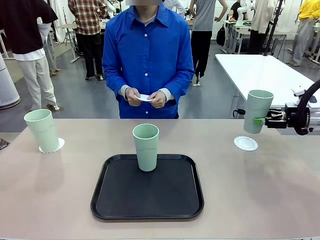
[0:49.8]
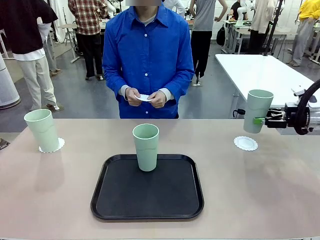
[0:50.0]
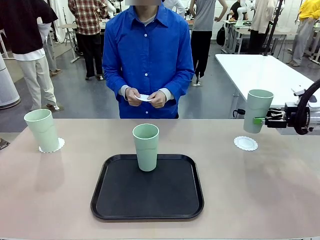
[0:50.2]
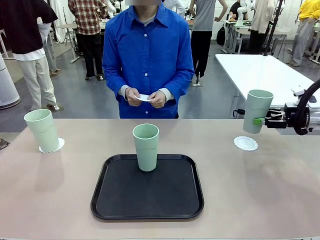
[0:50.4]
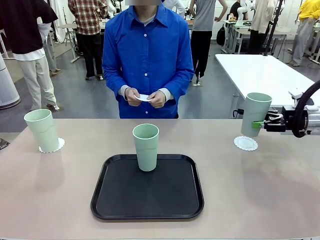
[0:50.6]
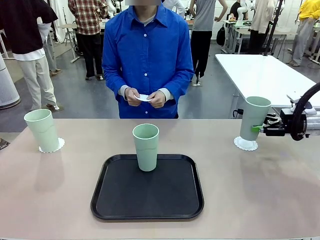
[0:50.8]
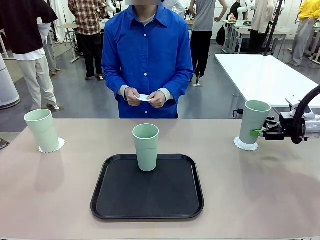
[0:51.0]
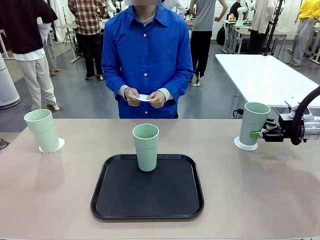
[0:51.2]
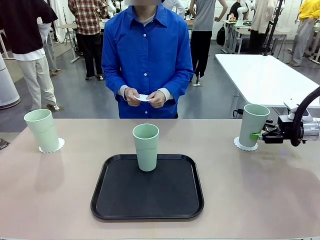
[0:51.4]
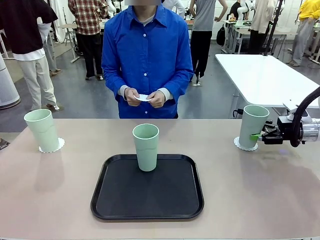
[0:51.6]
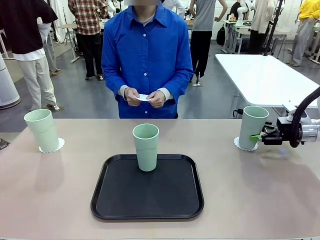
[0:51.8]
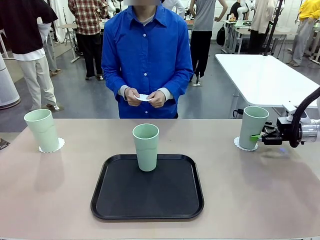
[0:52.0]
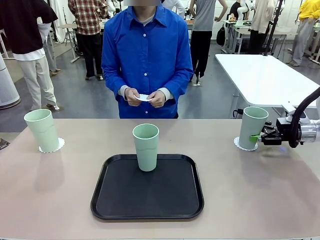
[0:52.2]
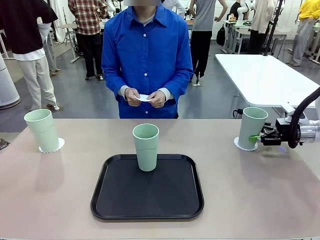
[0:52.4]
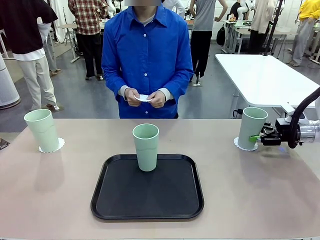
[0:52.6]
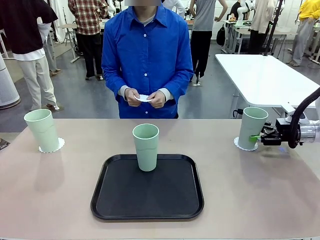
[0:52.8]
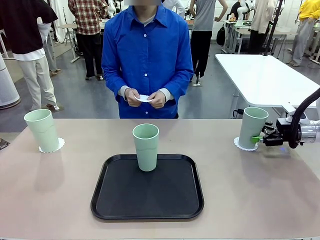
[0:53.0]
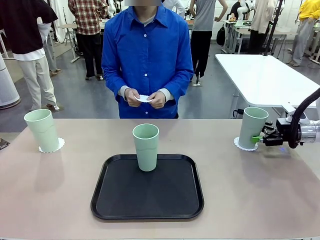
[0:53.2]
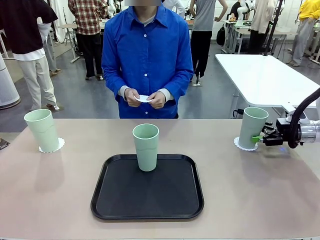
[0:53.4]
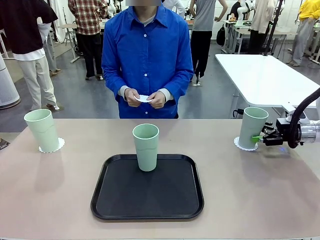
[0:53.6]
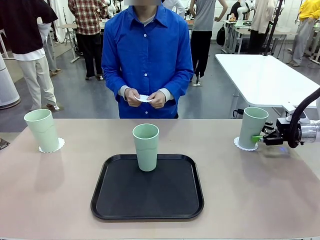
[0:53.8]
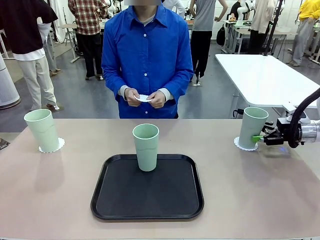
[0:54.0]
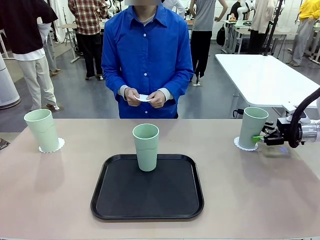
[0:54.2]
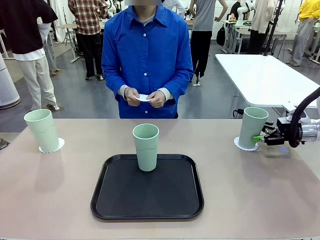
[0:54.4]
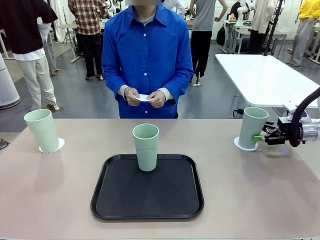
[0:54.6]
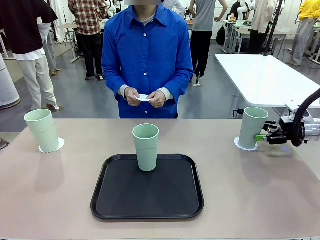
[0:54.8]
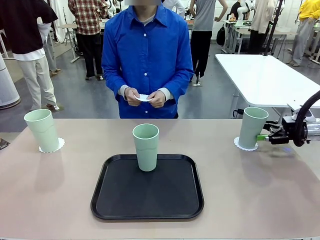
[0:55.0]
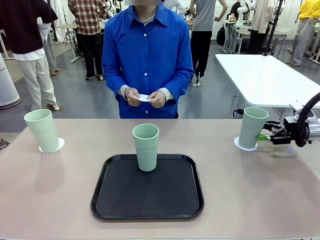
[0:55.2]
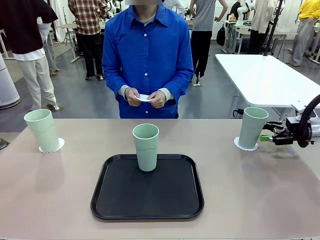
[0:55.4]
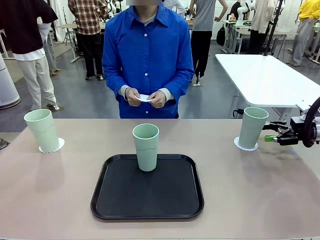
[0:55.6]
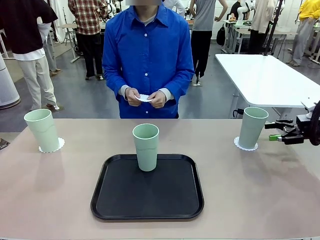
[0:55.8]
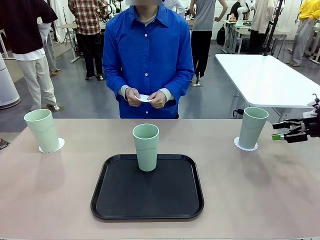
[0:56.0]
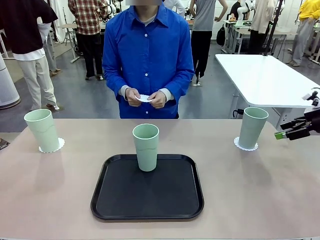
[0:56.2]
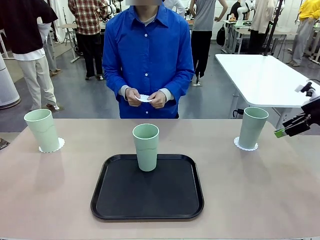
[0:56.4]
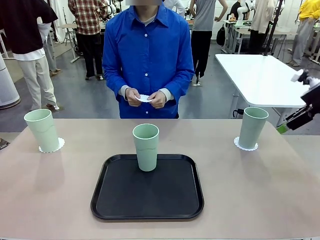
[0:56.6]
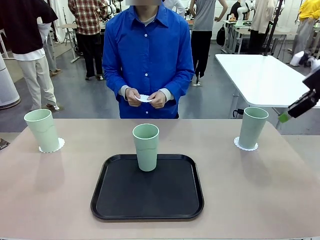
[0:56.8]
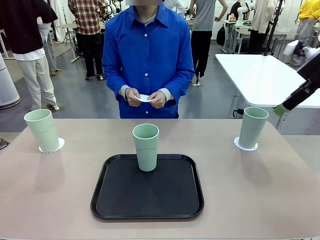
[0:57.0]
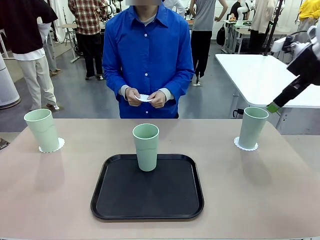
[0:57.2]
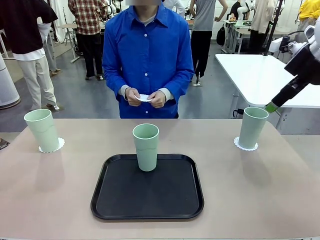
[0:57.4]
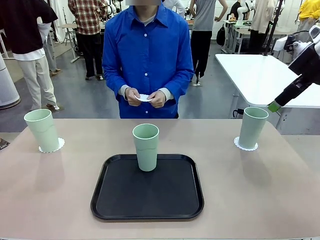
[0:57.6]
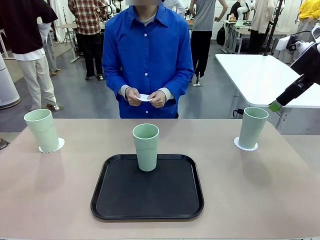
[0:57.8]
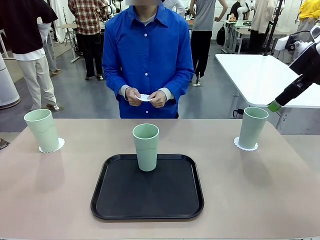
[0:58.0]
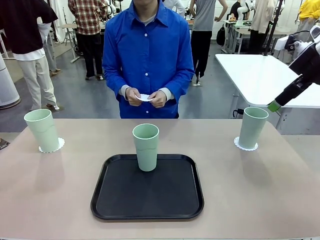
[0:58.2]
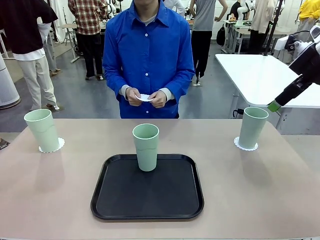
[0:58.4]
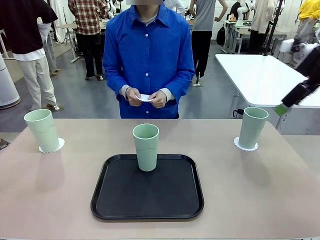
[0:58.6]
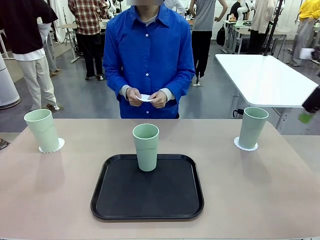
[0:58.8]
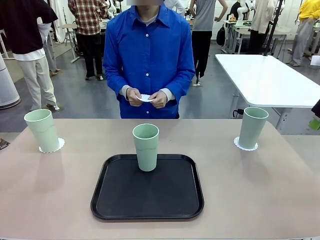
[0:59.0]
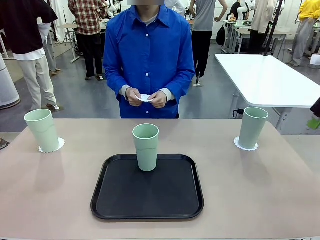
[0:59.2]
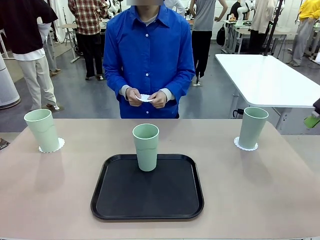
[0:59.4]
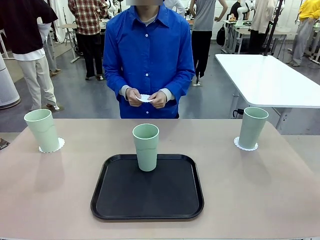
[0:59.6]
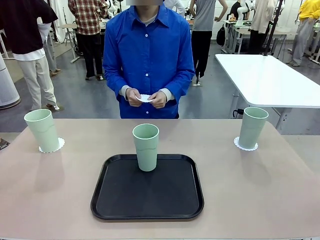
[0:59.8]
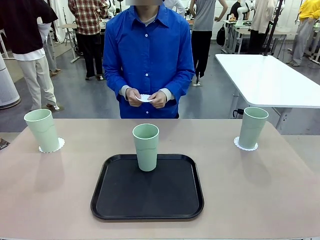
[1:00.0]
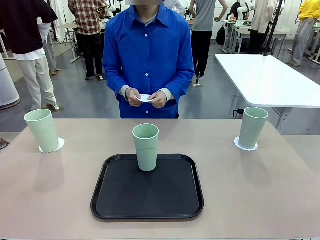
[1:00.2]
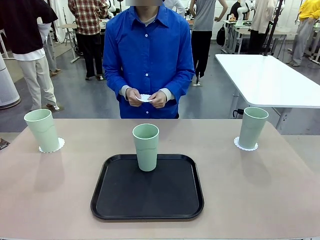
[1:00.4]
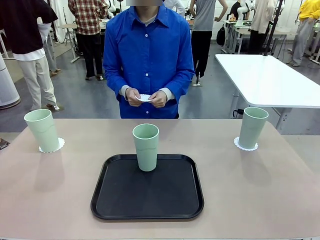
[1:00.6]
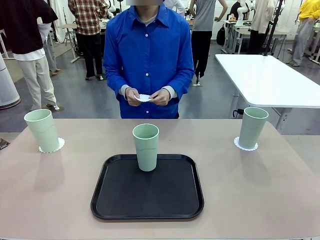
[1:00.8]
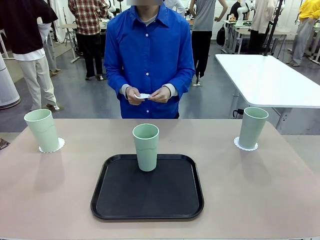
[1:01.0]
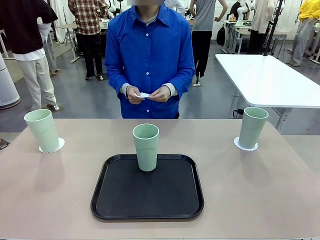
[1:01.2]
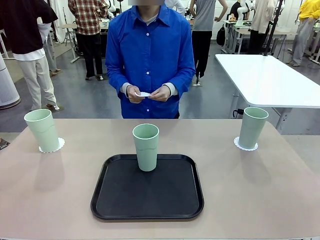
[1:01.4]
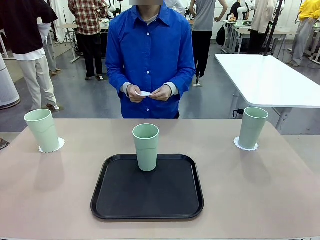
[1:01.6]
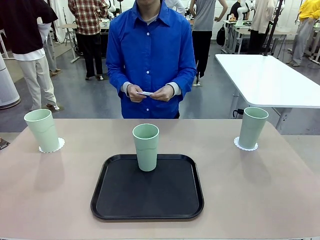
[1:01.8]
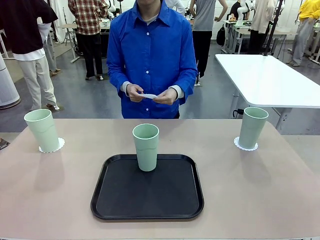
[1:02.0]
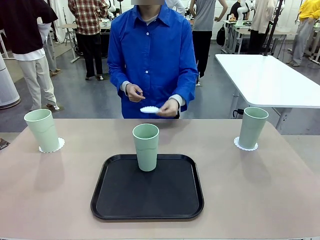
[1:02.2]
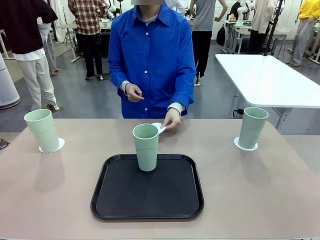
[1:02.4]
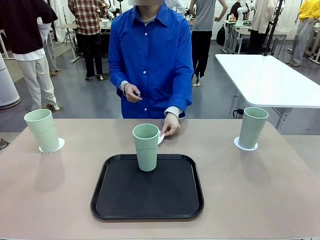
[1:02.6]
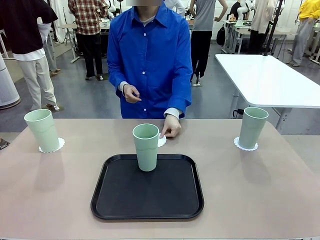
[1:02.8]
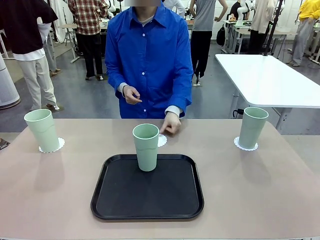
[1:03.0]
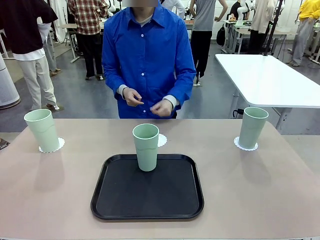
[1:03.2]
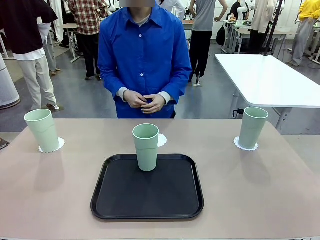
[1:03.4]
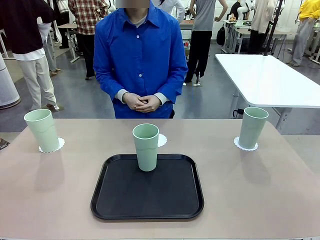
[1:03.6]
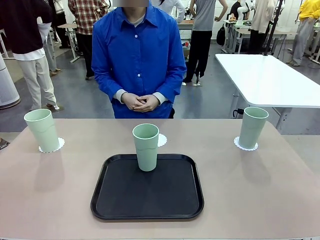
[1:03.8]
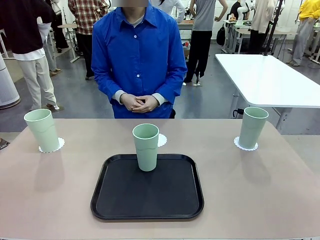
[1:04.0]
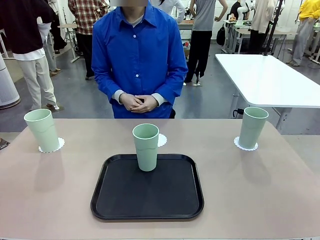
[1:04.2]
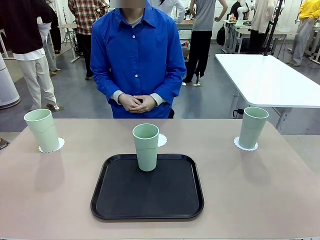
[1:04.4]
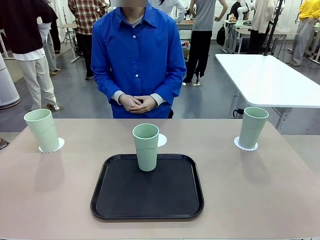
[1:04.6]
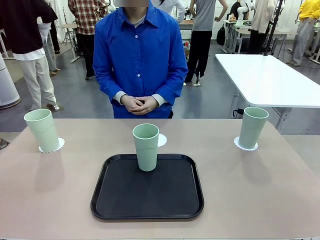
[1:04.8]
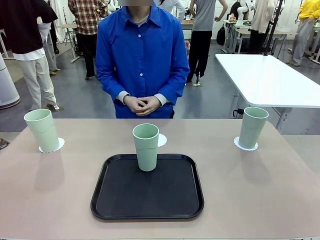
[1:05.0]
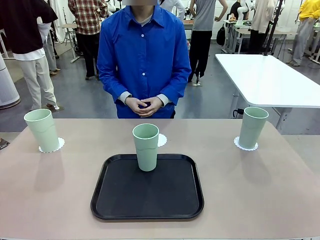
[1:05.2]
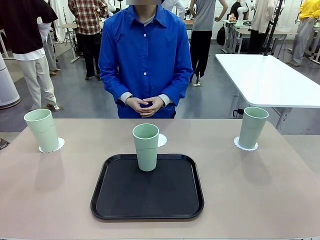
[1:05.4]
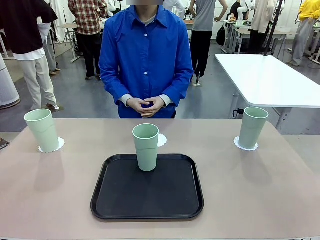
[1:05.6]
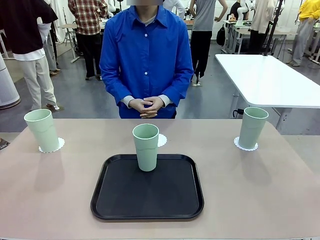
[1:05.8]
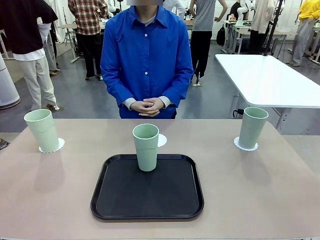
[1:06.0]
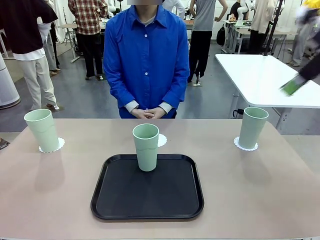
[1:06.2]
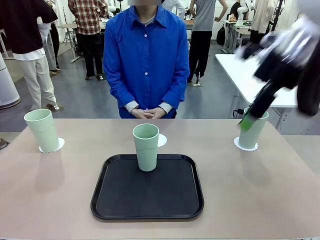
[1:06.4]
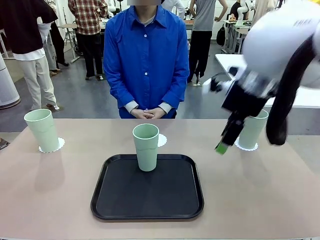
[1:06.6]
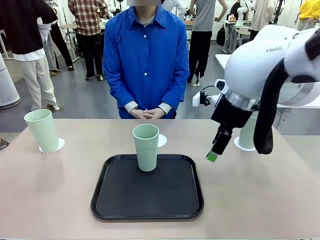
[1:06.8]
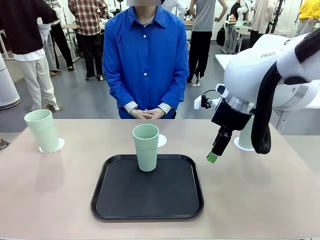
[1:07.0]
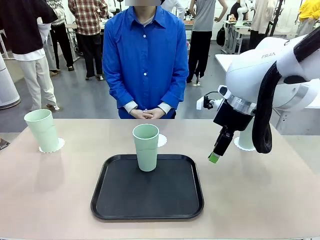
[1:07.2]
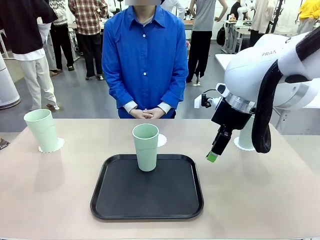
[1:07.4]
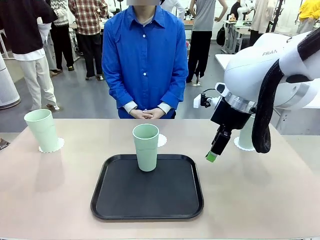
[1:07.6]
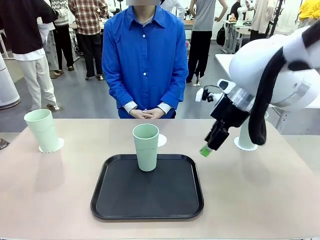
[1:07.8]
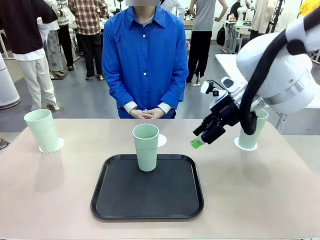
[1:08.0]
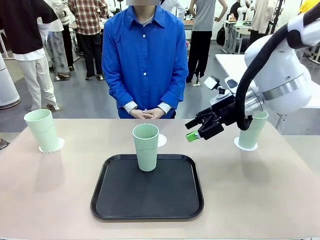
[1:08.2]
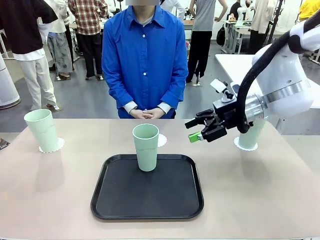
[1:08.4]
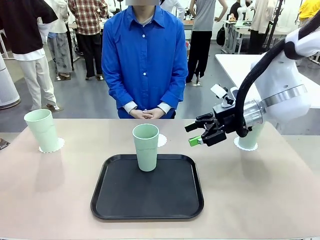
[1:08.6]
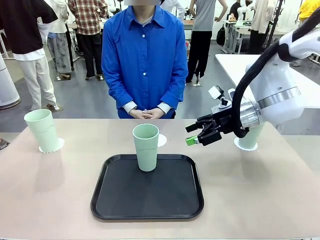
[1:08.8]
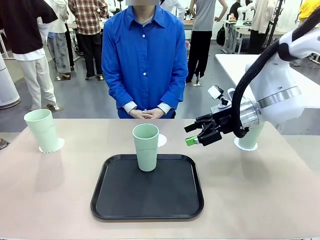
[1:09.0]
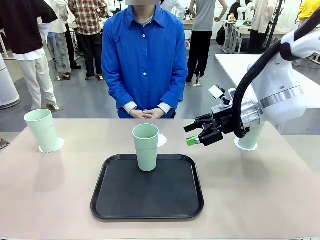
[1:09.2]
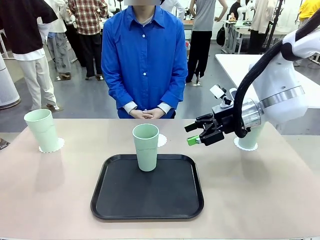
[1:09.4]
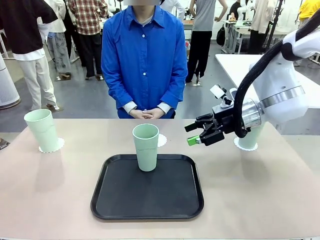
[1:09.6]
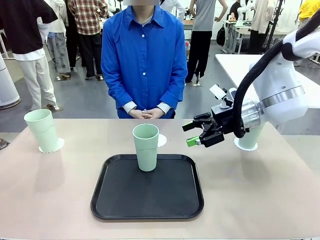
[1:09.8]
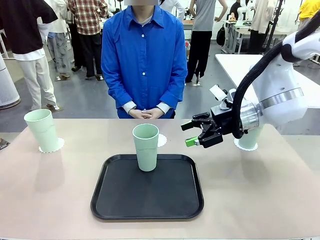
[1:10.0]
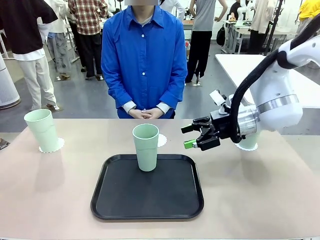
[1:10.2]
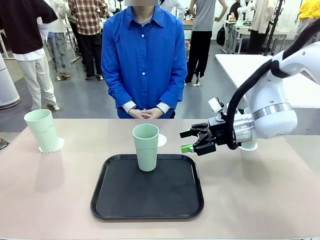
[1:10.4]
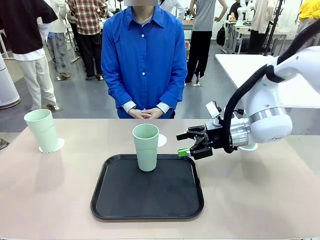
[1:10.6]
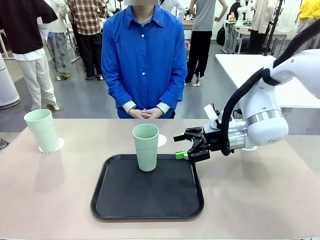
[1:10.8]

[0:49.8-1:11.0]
Task: Place coasters on the table and set cups on them.
Robot: Take one Reusable plastic cup from the Flat Tray and place it on a coaster set by the human.
